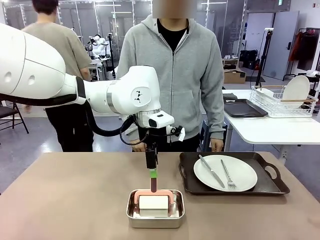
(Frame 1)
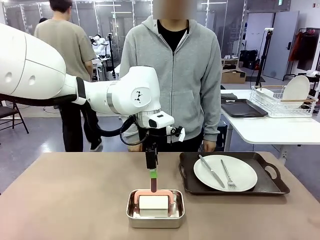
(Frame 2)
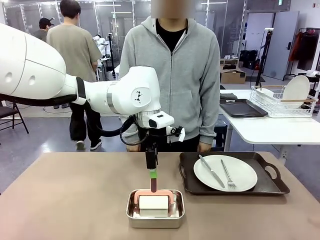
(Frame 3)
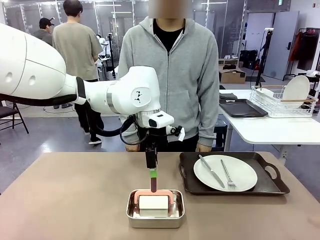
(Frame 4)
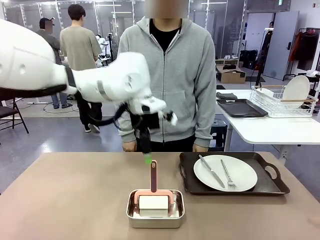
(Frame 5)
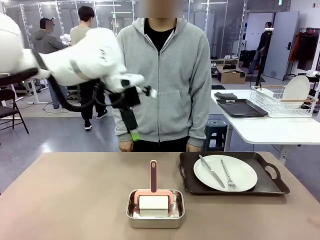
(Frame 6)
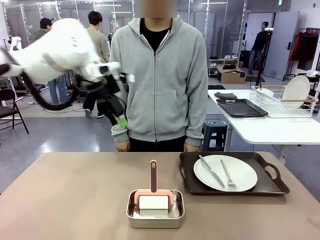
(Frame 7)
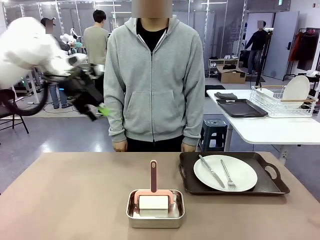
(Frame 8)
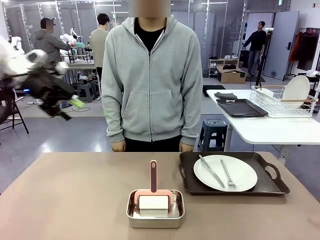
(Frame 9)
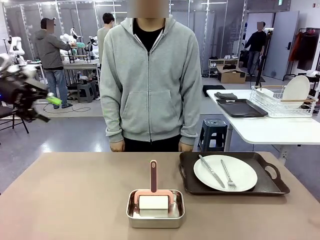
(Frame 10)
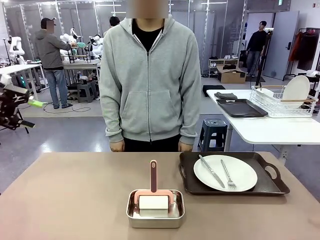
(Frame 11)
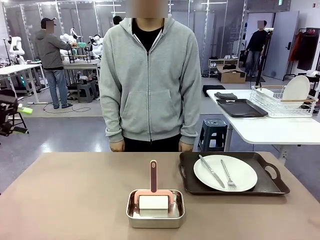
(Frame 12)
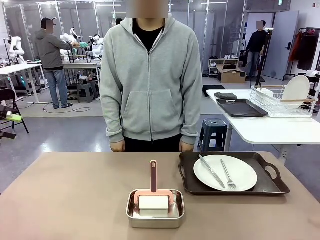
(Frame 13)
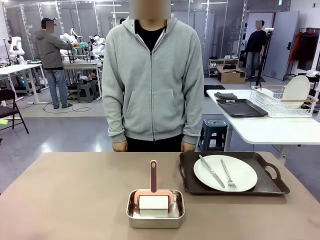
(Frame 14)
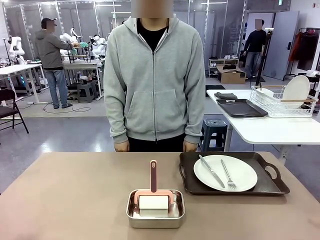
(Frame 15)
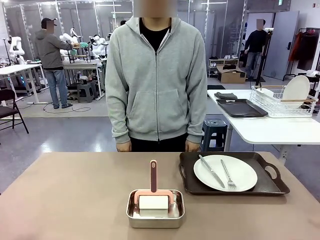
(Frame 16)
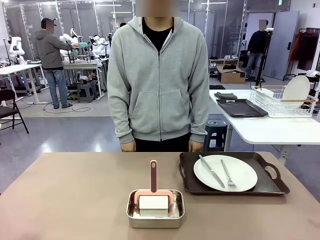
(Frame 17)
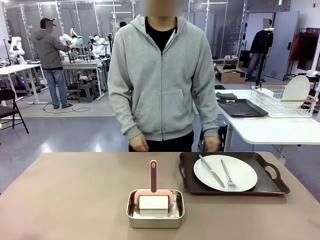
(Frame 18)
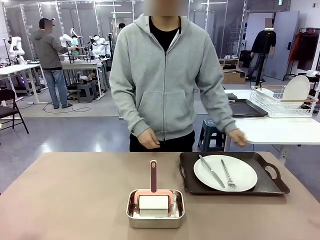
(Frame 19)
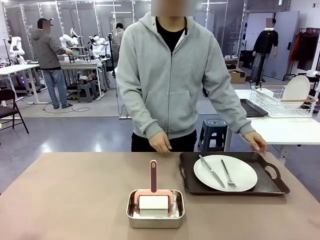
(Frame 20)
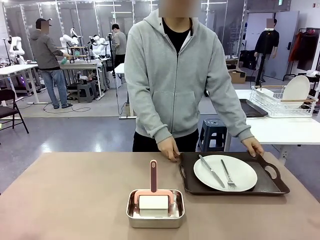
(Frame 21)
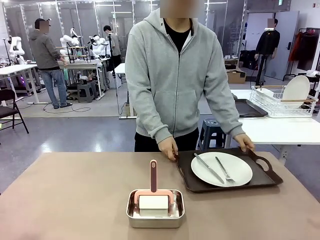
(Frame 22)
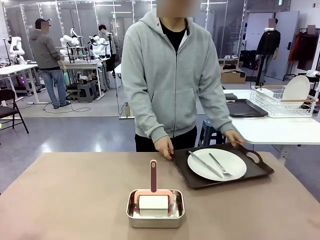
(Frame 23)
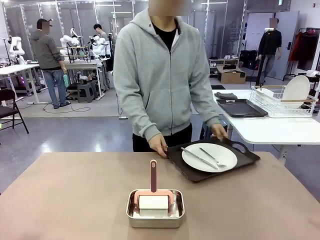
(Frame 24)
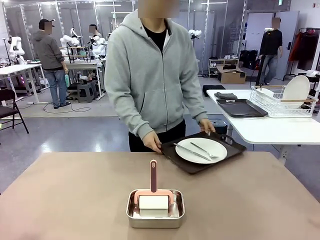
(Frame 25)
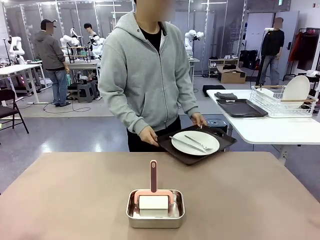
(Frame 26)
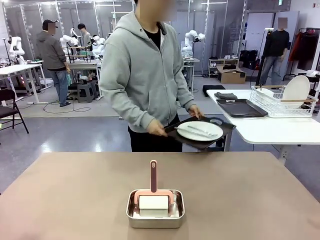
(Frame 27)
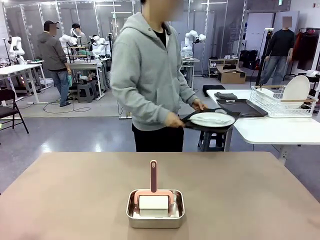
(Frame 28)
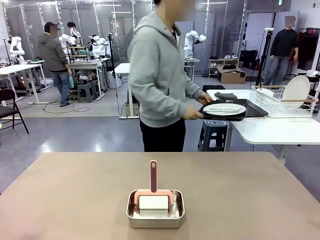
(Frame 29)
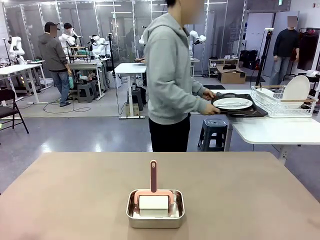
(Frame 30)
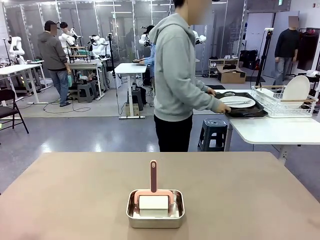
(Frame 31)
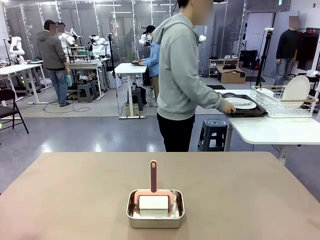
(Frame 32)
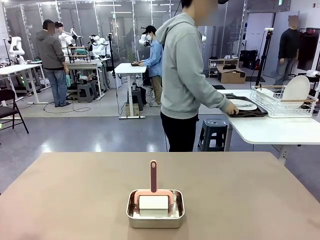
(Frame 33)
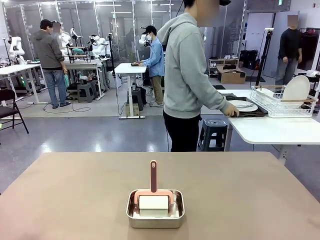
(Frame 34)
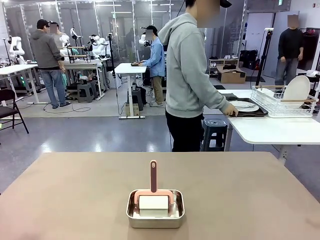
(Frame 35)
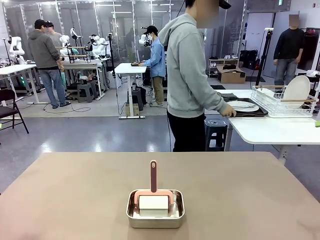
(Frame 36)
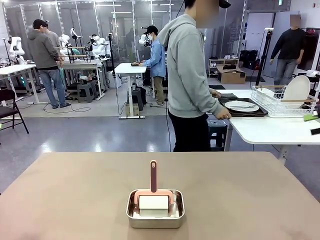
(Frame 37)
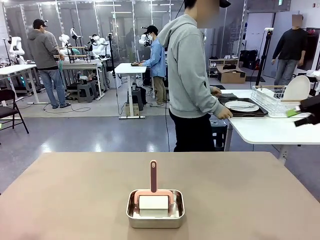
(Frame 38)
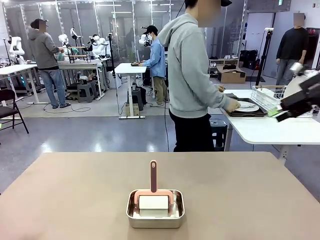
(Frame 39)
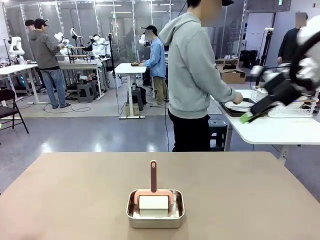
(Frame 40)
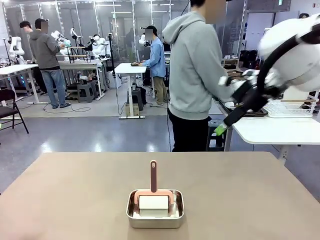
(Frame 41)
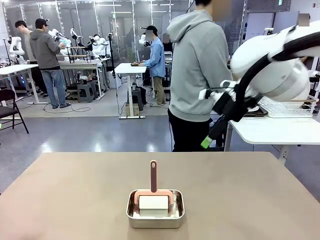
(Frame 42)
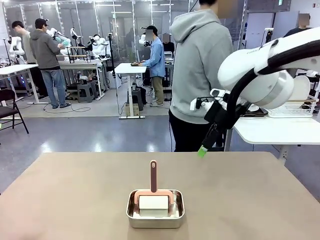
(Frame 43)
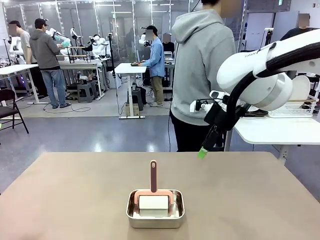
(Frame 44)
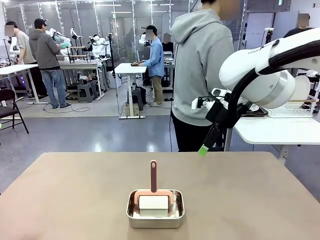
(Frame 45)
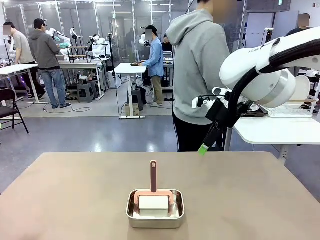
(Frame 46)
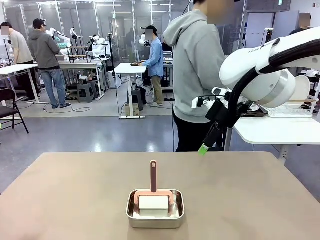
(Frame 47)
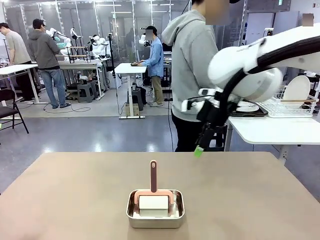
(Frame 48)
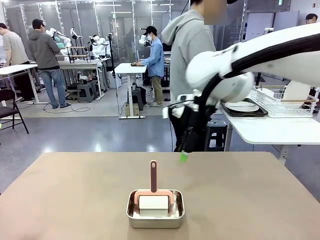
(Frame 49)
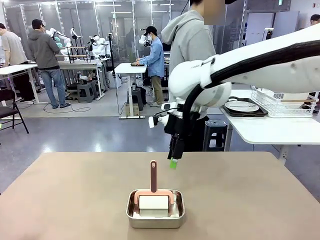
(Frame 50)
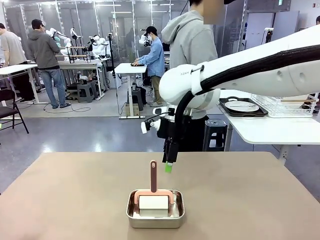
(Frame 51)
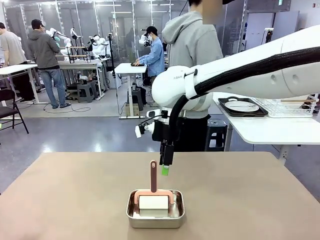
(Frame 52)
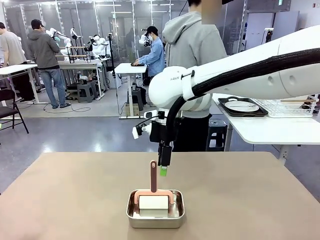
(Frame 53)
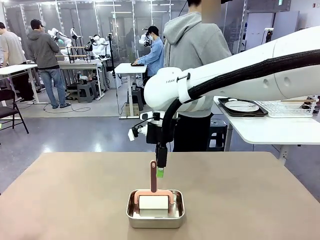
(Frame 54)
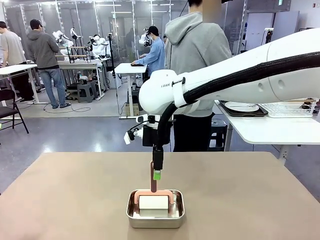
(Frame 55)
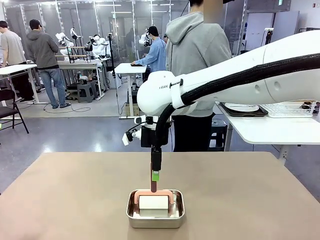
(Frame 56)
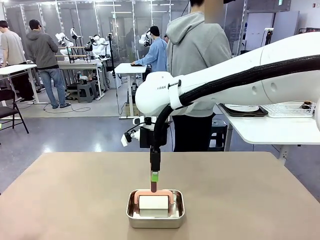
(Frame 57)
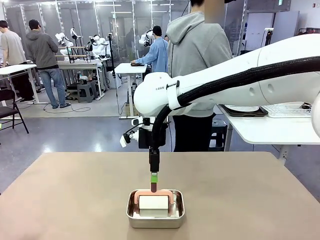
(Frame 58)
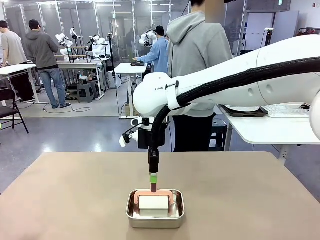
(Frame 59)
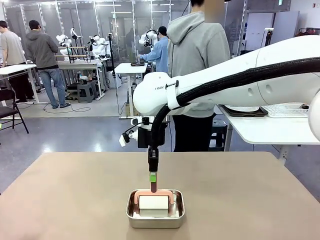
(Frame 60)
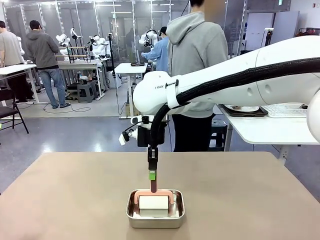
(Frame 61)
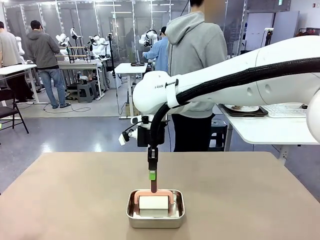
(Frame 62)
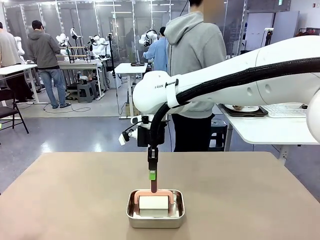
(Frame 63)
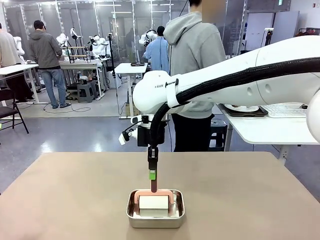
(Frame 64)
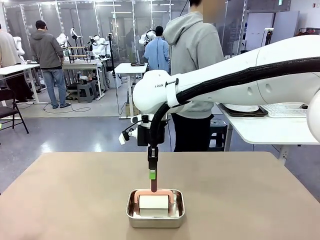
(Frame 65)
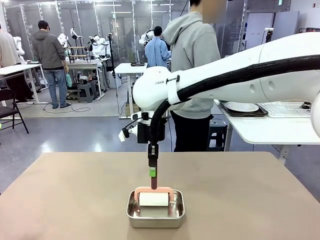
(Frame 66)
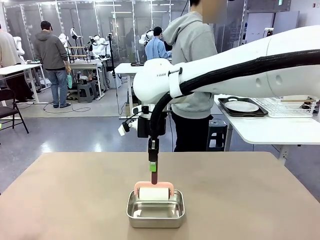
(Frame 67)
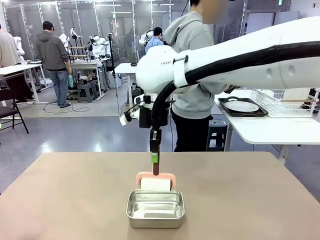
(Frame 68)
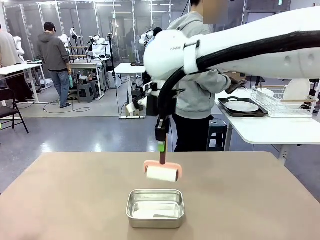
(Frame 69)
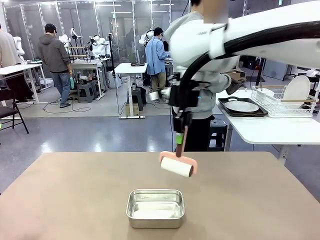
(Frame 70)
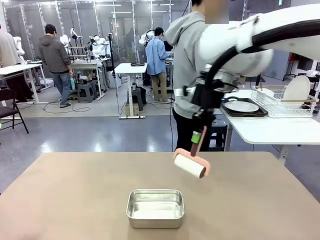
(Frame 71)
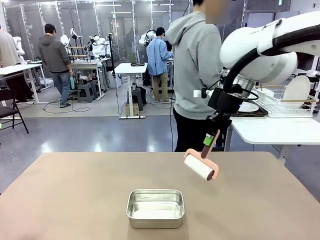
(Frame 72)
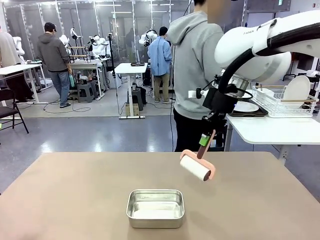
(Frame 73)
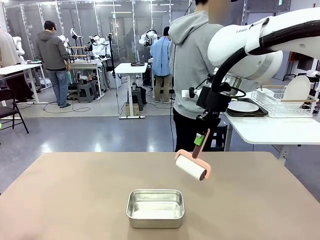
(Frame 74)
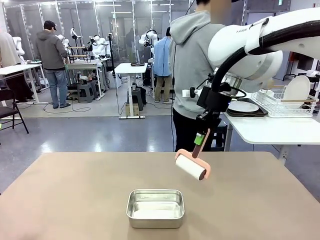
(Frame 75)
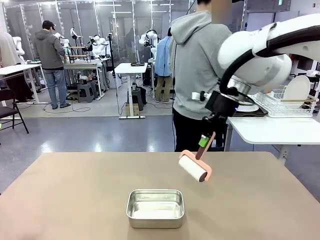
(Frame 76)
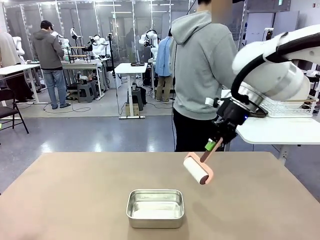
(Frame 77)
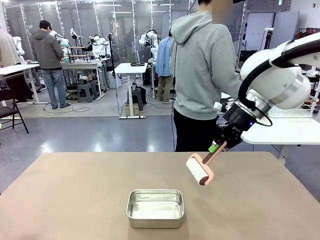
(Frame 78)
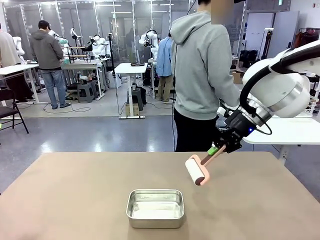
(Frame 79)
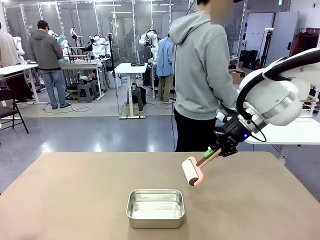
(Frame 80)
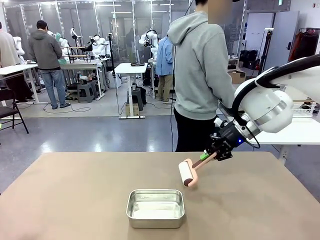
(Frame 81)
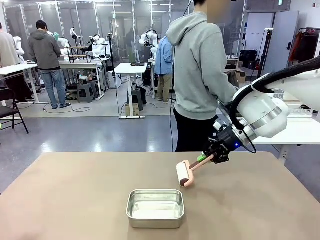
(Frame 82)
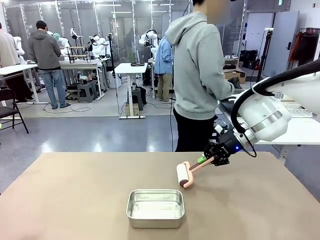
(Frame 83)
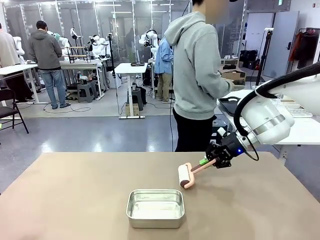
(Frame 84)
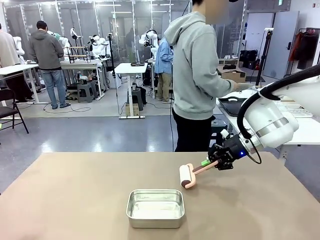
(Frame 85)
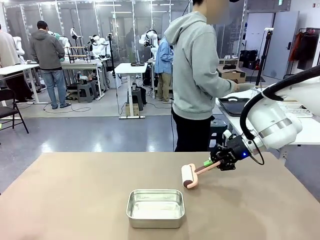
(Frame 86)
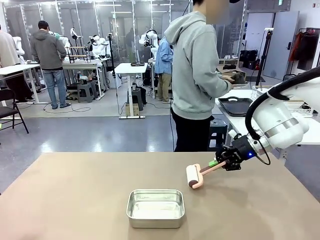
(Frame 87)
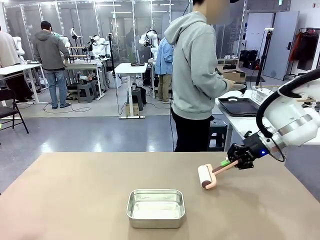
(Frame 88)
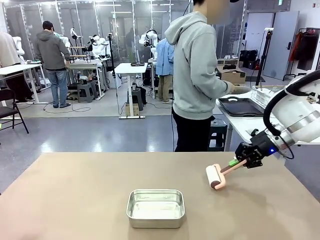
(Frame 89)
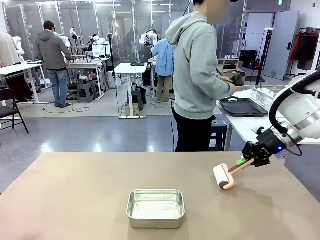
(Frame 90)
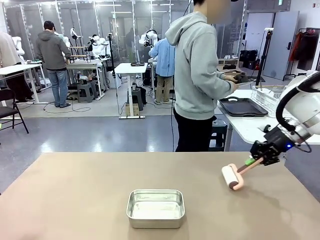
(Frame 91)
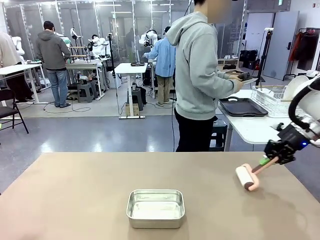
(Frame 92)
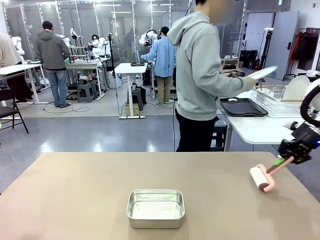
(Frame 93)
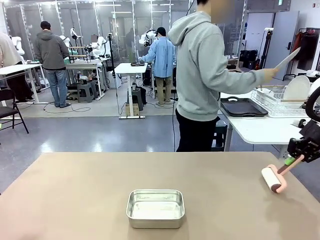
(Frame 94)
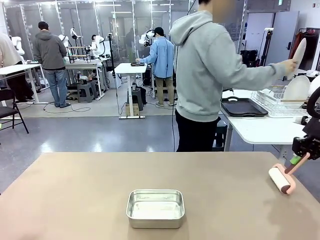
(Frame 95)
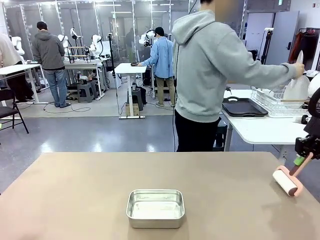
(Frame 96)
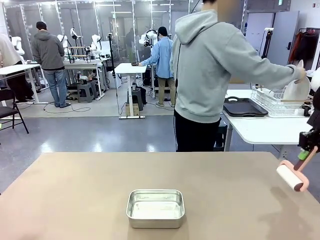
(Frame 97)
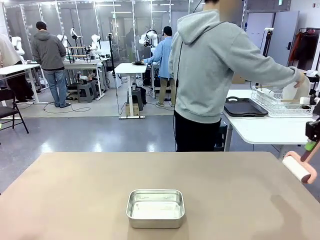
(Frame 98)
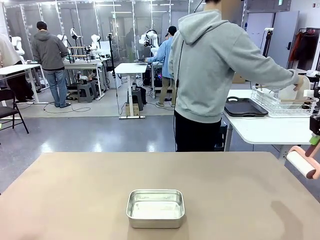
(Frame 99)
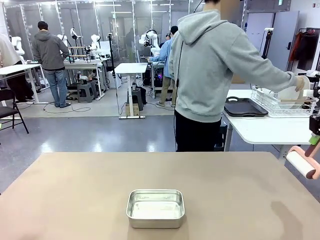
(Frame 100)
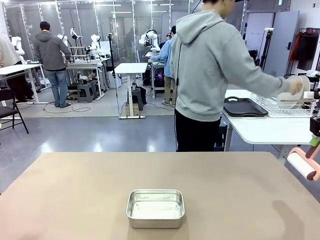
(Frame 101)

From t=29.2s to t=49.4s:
Robot: When the right (or left) Handle tray is removed, use the right hand (or left hand) to clean the right (or left) side of the table with the Lint Roller.
Person: Pick up the left (or right) Handle tray and place it on the Handle tray.
